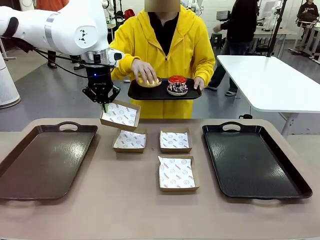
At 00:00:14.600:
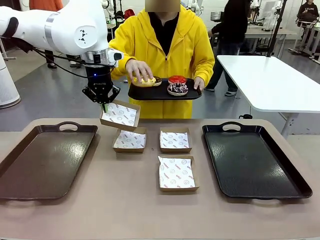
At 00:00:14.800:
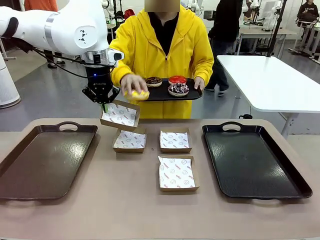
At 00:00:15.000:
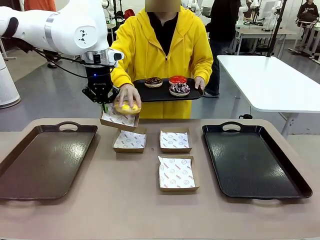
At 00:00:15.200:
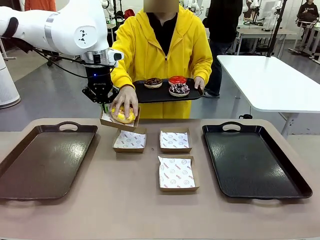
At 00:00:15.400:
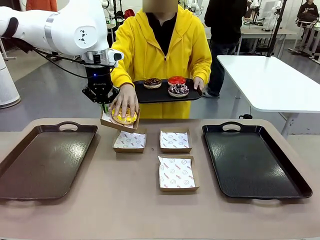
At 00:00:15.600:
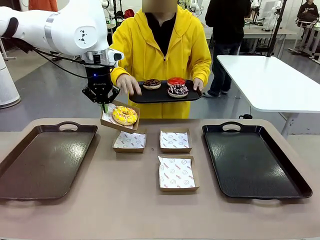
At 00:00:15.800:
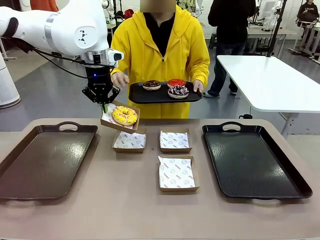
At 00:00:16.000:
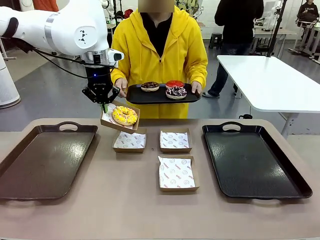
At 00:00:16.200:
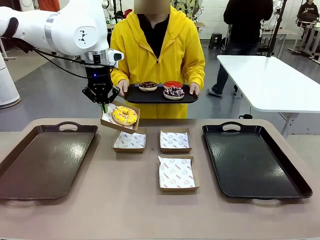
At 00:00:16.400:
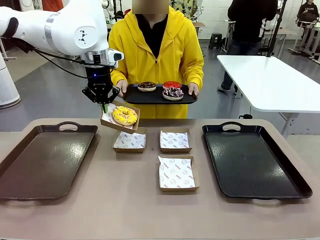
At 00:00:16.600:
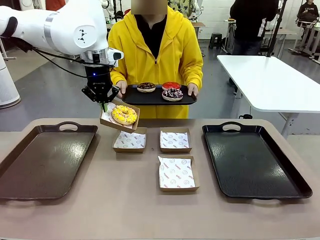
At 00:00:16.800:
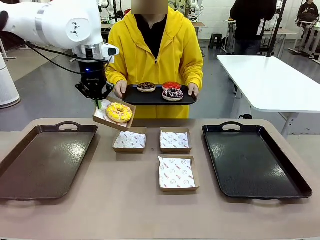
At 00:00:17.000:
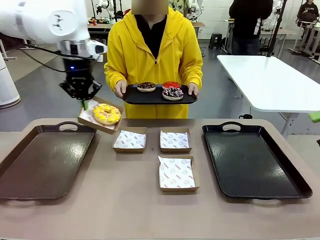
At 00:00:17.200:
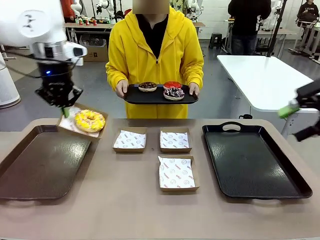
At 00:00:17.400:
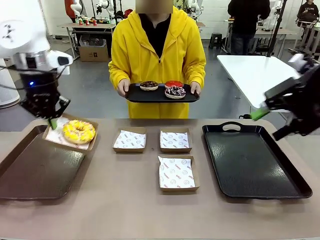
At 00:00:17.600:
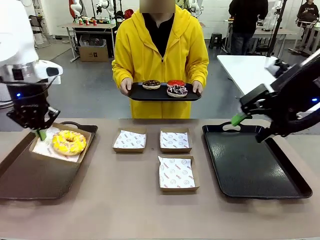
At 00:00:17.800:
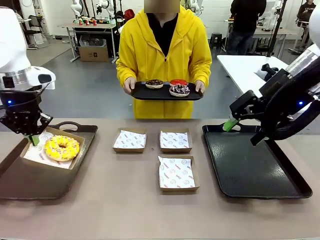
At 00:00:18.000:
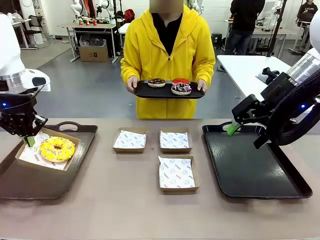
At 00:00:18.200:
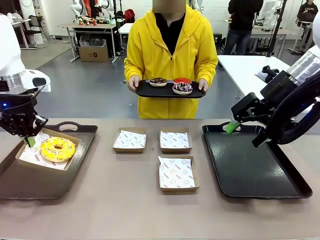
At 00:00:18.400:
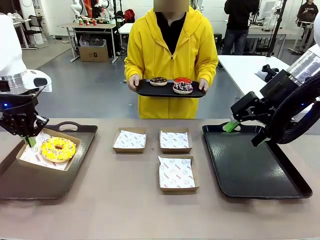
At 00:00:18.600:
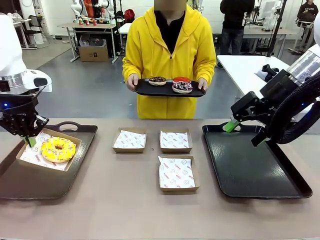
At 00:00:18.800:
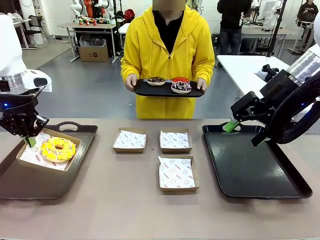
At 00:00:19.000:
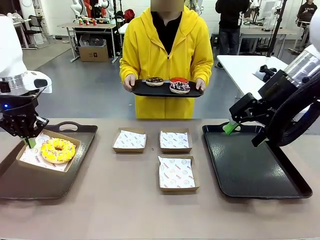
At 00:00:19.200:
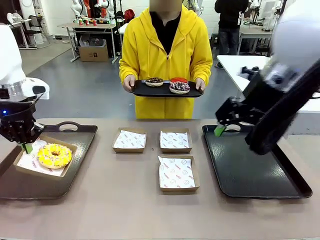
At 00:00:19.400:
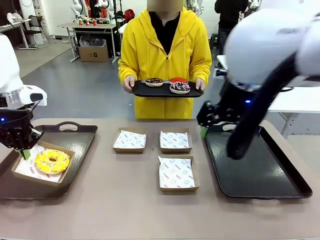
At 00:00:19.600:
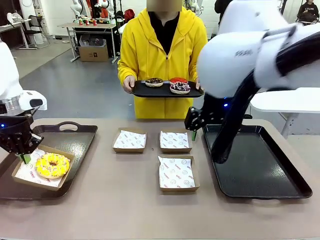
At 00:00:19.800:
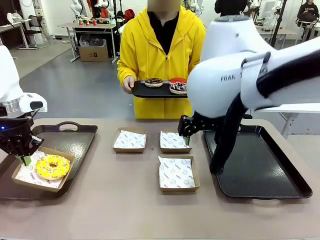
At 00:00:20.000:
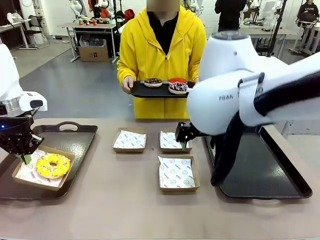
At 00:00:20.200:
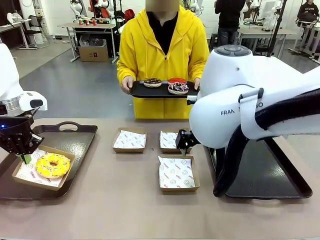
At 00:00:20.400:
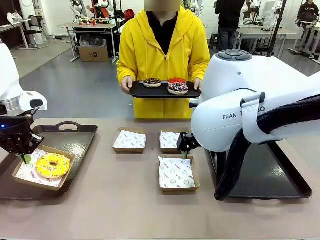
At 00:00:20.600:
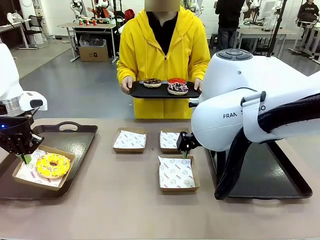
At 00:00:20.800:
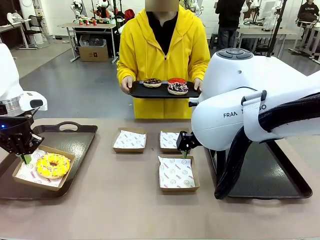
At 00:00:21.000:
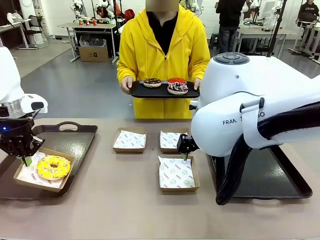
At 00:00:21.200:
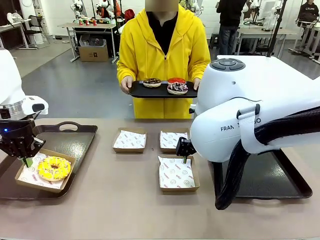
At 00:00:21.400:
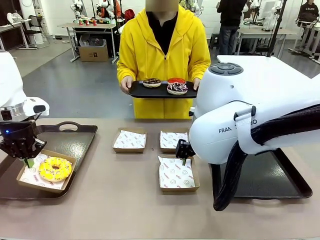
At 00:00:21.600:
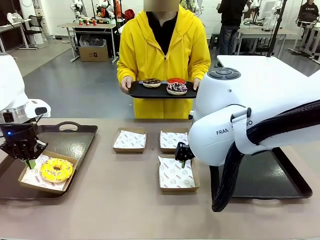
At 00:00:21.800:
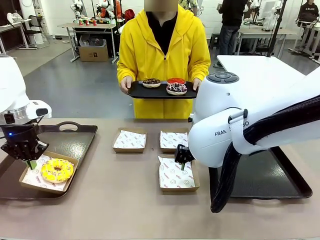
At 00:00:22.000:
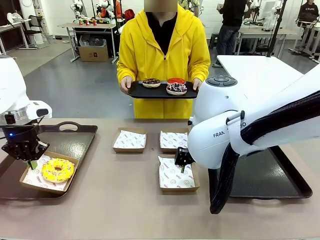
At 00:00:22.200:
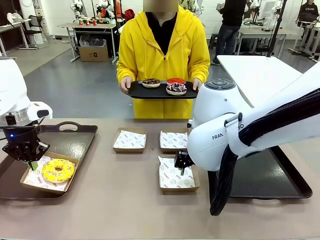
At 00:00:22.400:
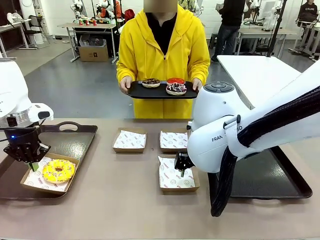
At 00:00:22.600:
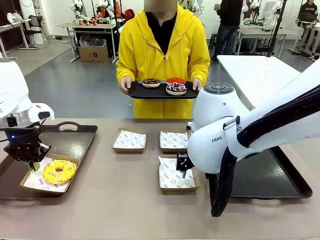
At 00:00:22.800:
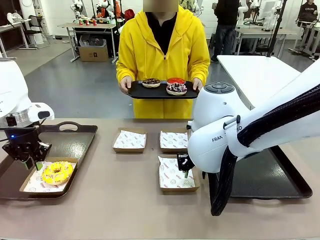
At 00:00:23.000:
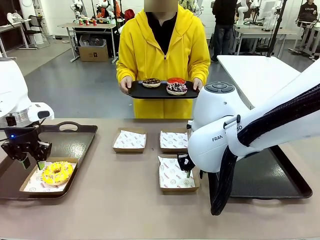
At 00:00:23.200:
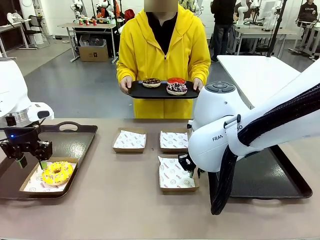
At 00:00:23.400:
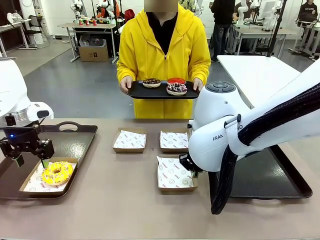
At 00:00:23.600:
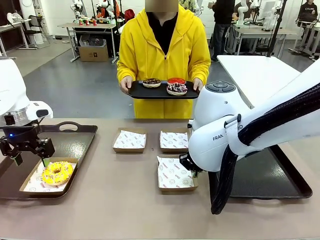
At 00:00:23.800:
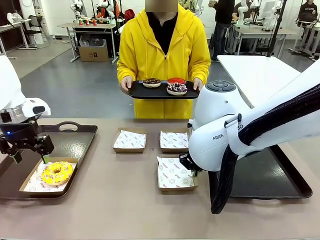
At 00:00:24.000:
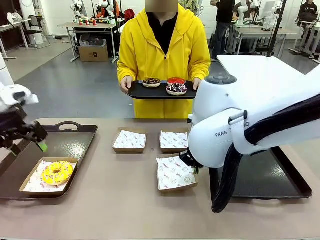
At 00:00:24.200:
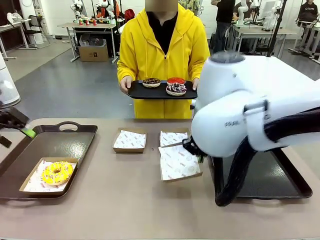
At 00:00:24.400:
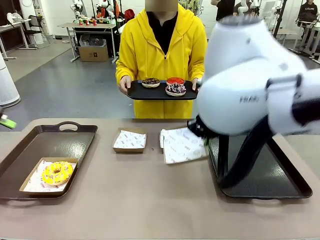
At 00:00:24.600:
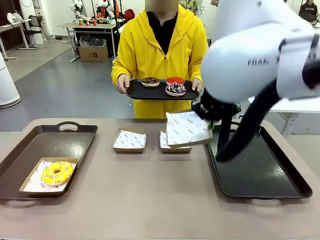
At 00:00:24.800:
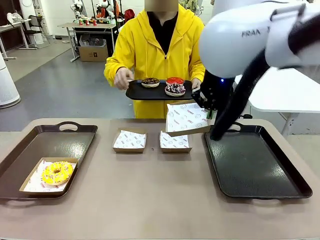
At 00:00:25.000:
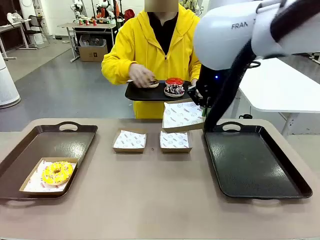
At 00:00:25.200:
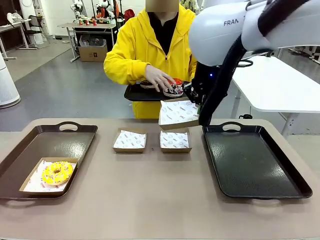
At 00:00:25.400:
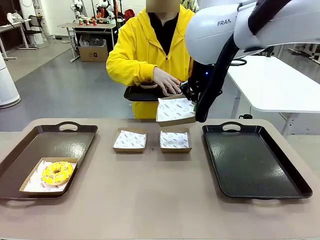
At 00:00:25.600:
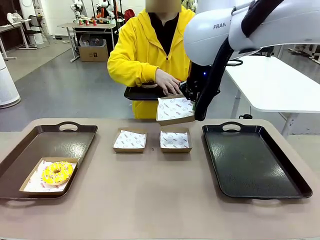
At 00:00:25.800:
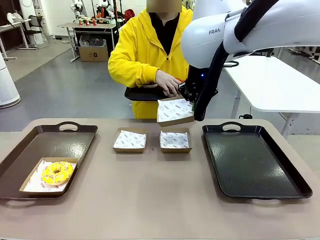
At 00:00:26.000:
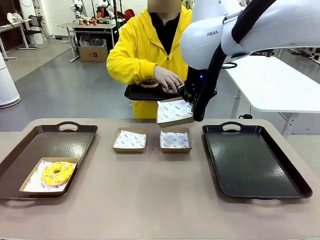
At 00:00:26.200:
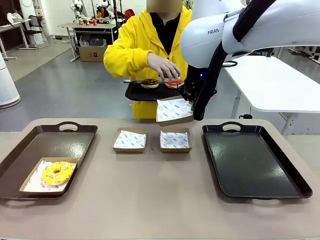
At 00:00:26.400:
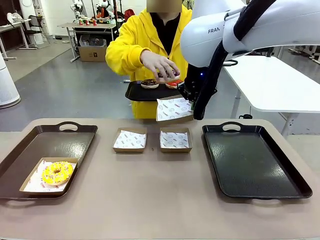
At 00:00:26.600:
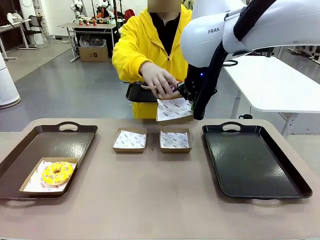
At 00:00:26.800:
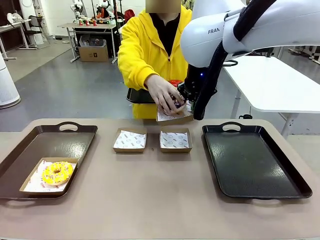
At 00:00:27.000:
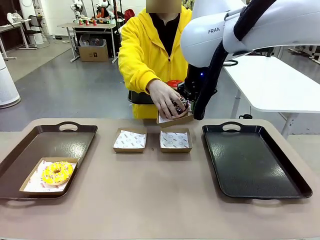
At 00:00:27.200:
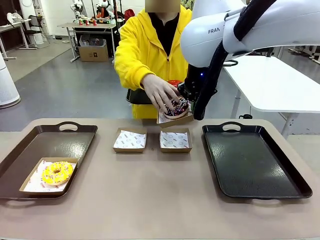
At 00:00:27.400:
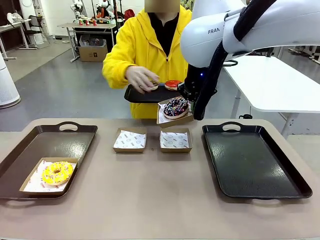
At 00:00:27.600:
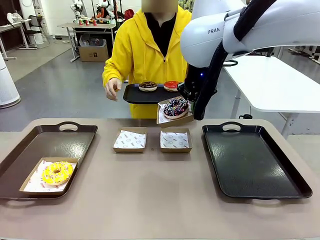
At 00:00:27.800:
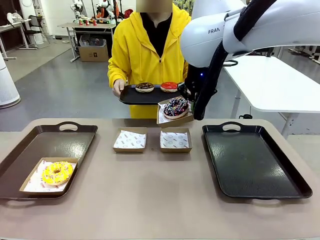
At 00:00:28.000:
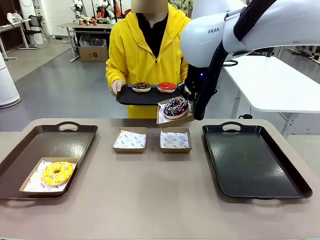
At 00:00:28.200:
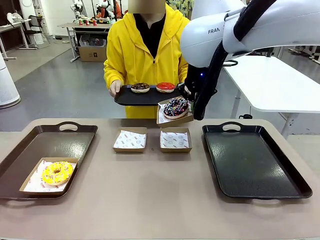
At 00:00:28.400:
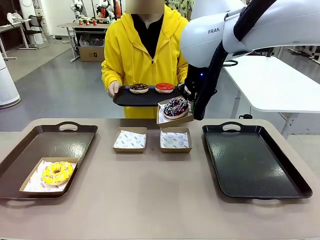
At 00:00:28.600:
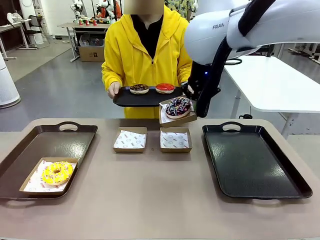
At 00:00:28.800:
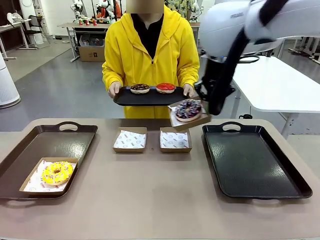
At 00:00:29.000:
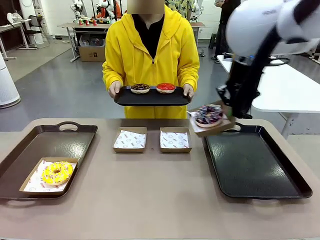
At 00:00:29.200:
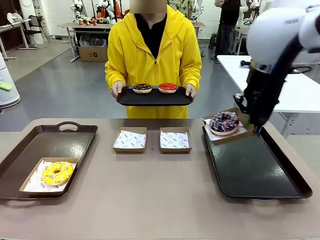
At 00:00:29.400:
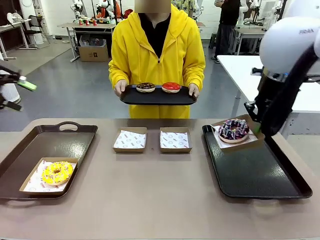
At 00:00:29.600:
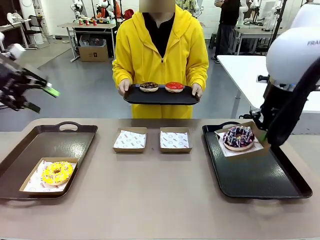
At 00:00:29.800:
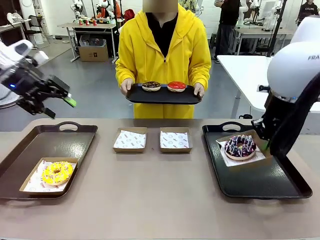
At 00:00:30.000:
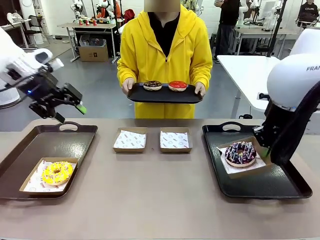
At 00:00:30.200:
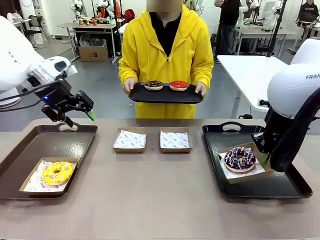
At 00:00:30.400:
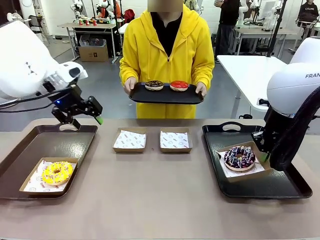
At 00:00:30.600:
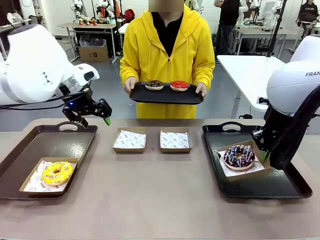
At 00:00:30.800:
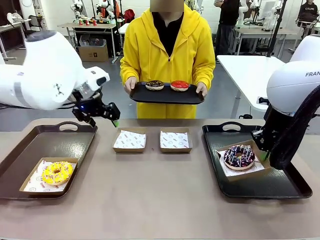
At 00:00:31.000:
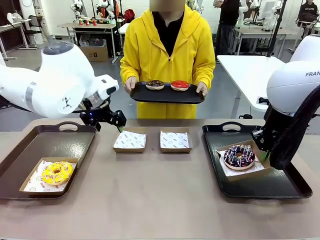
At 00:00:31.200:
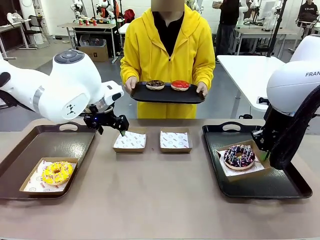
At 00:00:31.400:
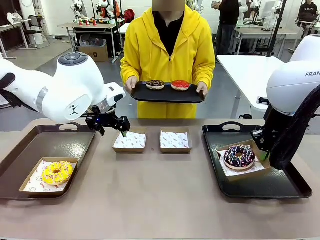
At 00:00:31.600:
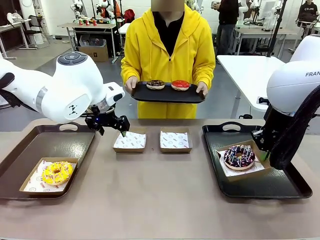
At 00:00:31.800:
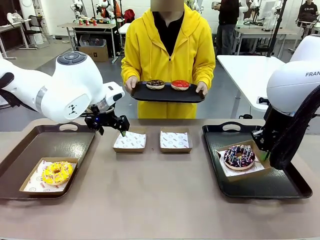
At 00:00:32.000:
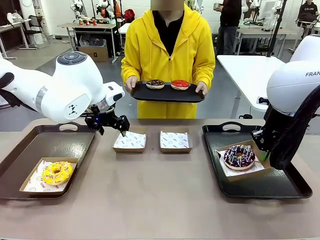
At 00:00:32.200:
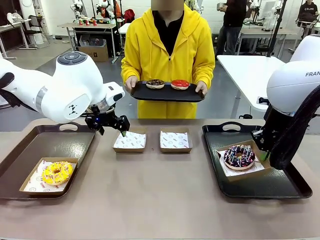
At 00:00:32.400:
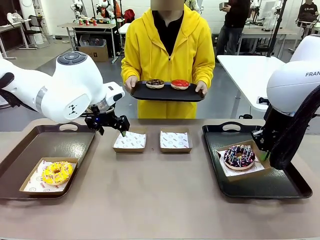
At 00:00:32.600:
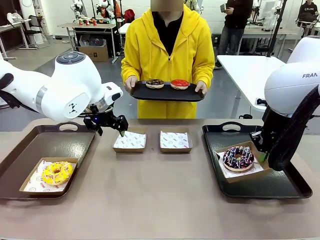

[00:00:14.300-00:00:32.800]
Task: Individually package the donuts and arrange them on the tray.
Robot: Place the picked Paper togo box on the Handle tray while simultaneously picking up another Paper togo box from the table with the other hand.
